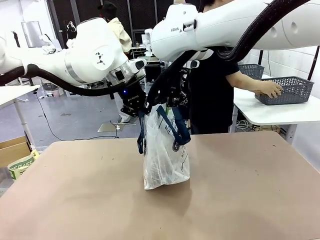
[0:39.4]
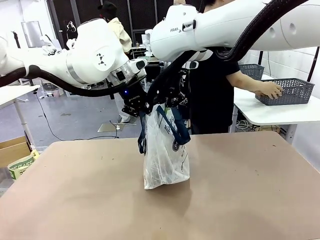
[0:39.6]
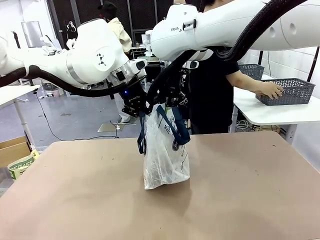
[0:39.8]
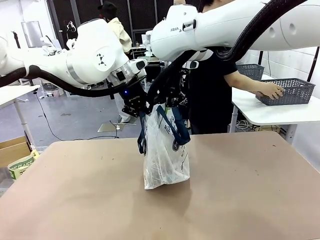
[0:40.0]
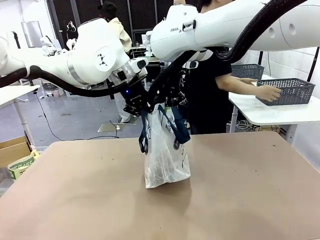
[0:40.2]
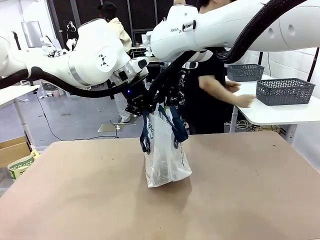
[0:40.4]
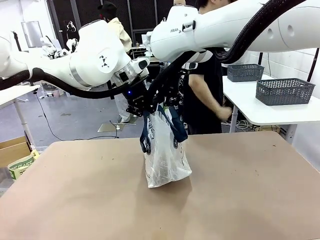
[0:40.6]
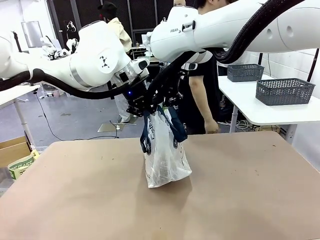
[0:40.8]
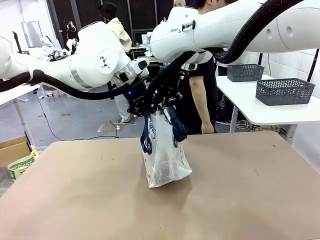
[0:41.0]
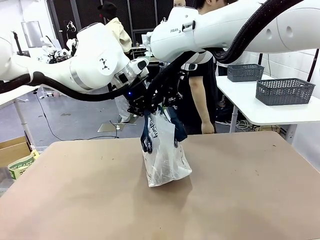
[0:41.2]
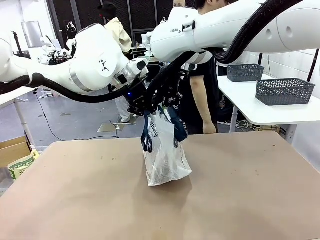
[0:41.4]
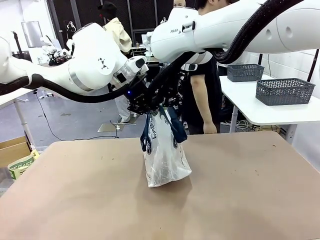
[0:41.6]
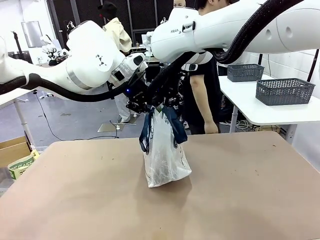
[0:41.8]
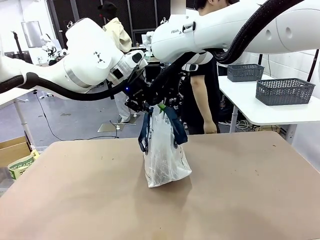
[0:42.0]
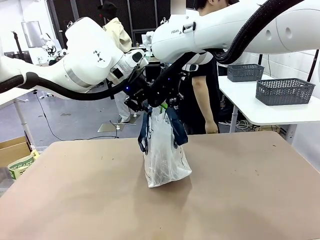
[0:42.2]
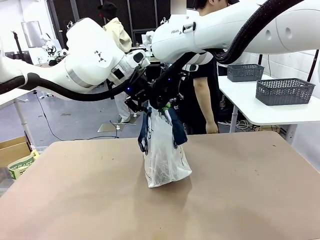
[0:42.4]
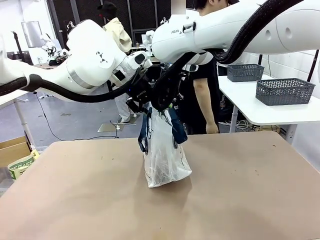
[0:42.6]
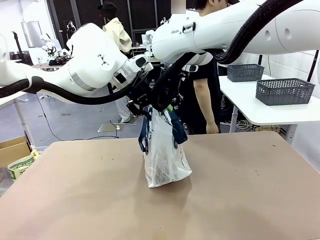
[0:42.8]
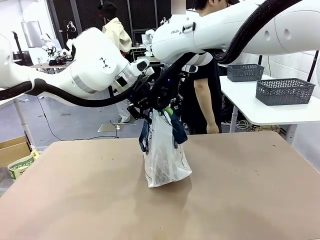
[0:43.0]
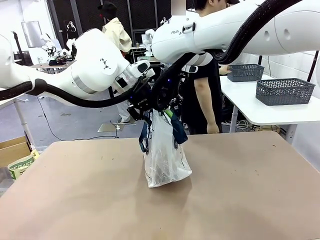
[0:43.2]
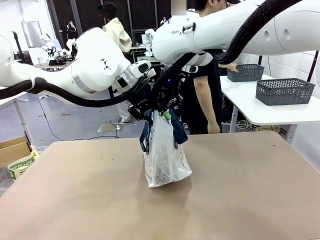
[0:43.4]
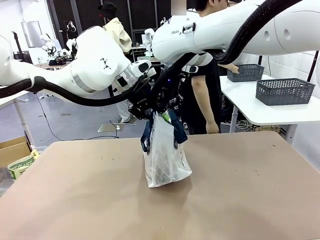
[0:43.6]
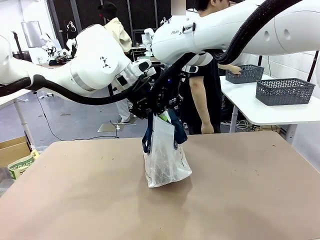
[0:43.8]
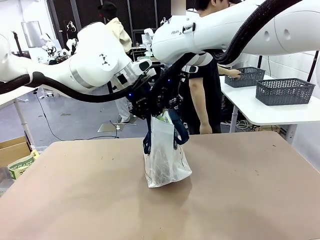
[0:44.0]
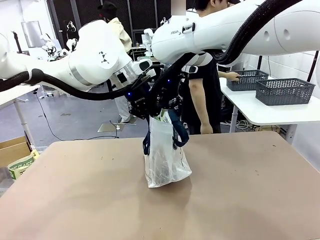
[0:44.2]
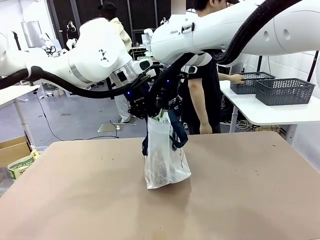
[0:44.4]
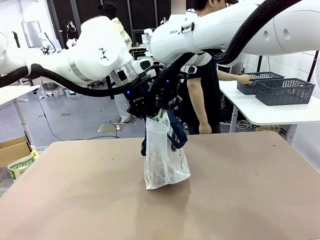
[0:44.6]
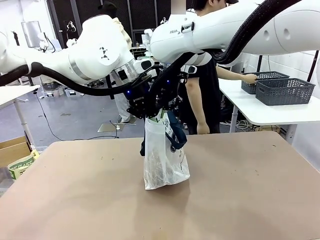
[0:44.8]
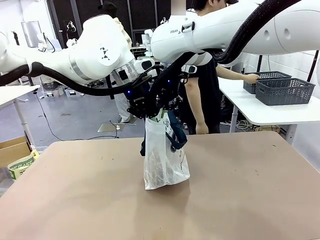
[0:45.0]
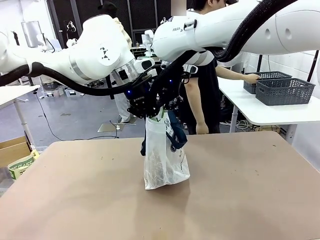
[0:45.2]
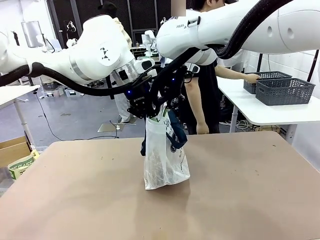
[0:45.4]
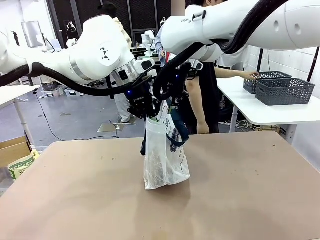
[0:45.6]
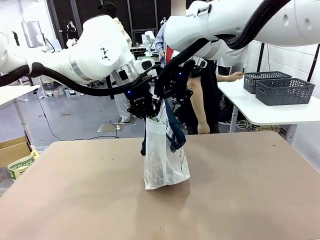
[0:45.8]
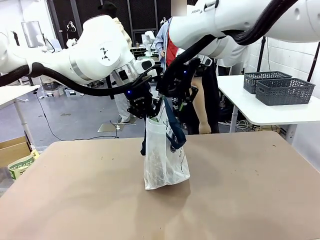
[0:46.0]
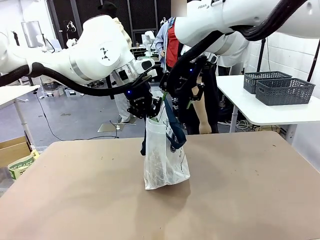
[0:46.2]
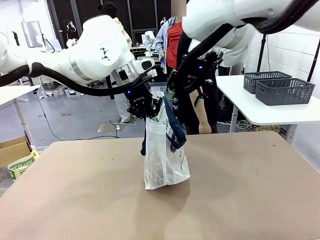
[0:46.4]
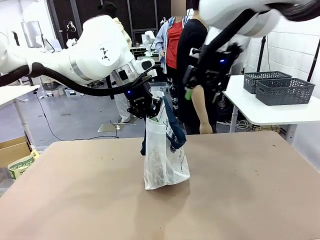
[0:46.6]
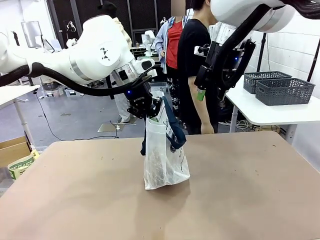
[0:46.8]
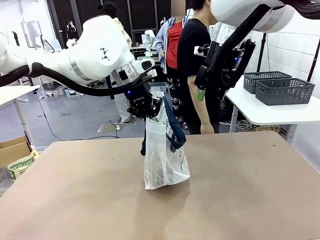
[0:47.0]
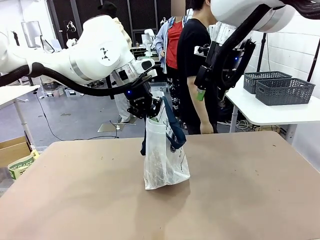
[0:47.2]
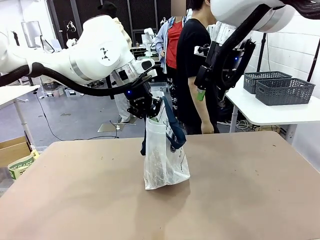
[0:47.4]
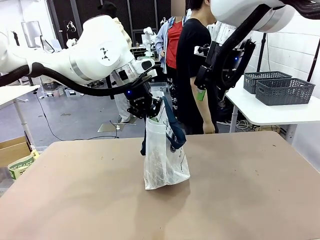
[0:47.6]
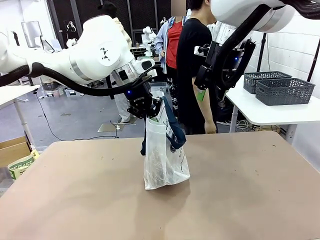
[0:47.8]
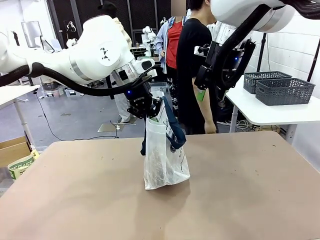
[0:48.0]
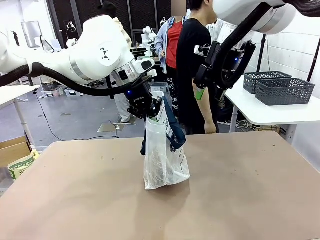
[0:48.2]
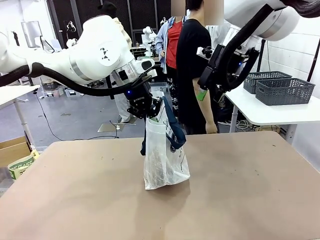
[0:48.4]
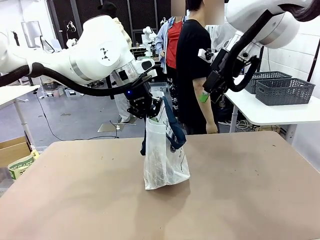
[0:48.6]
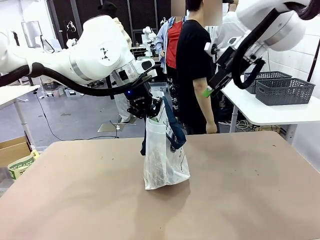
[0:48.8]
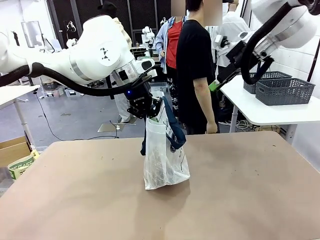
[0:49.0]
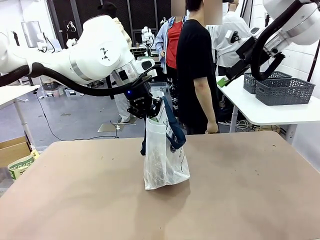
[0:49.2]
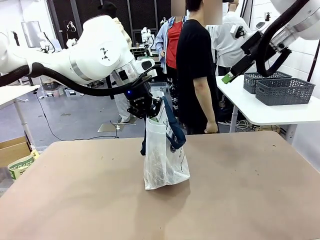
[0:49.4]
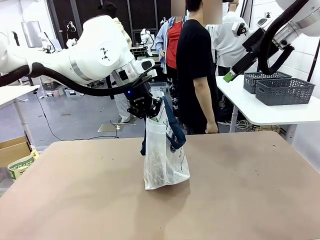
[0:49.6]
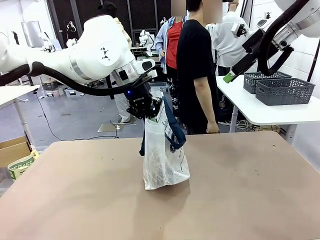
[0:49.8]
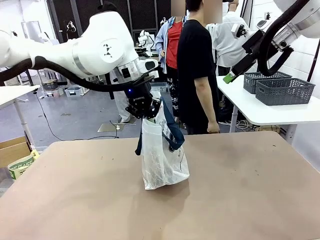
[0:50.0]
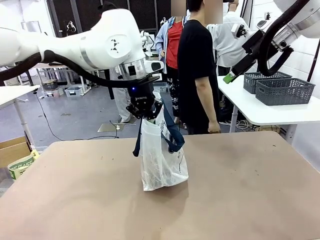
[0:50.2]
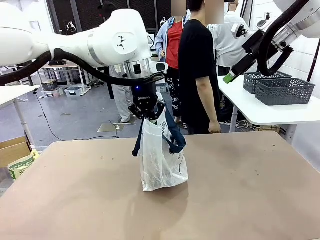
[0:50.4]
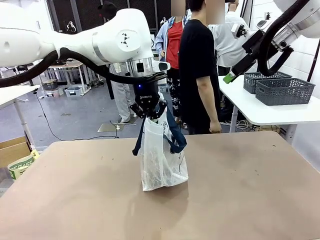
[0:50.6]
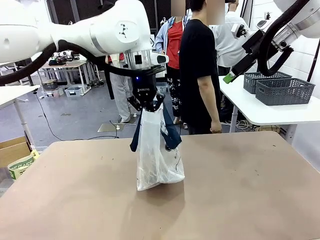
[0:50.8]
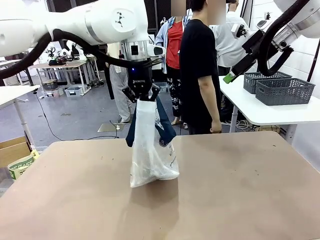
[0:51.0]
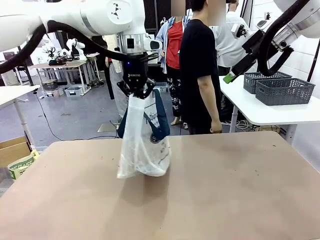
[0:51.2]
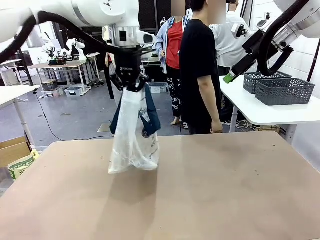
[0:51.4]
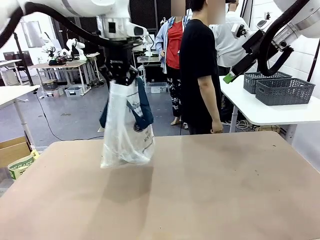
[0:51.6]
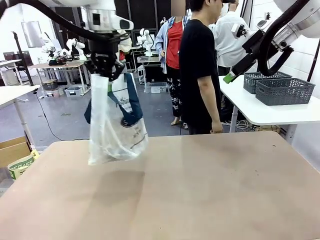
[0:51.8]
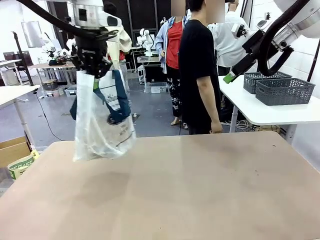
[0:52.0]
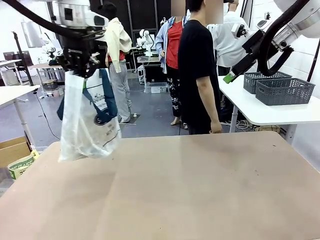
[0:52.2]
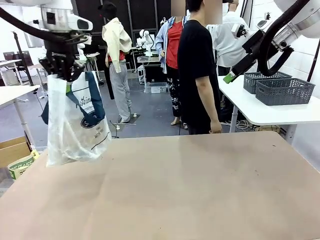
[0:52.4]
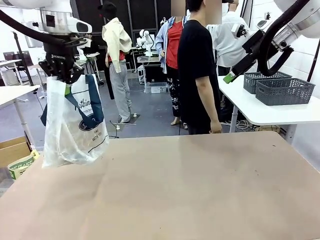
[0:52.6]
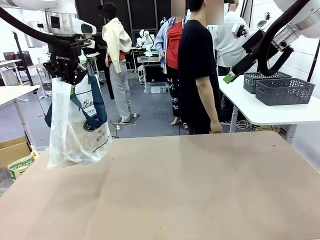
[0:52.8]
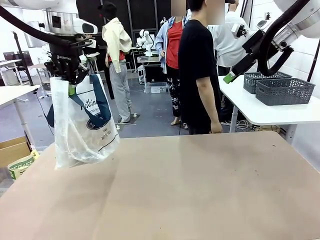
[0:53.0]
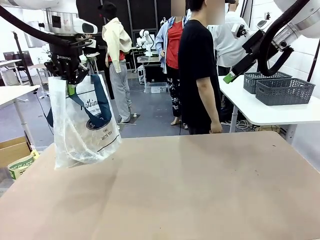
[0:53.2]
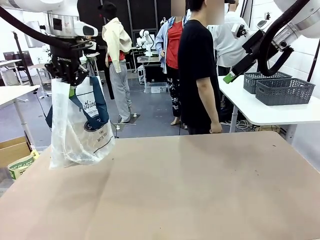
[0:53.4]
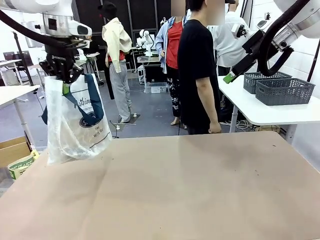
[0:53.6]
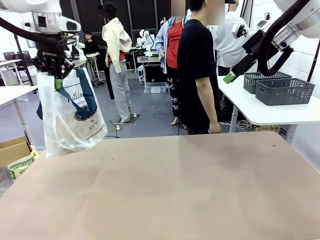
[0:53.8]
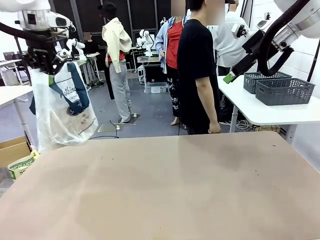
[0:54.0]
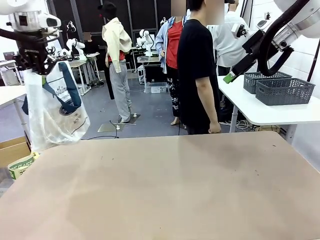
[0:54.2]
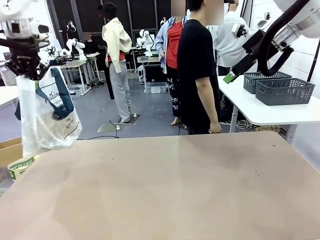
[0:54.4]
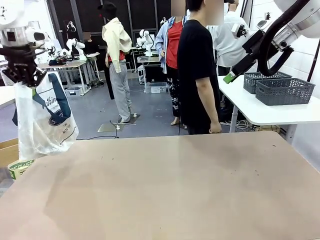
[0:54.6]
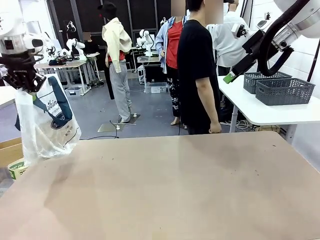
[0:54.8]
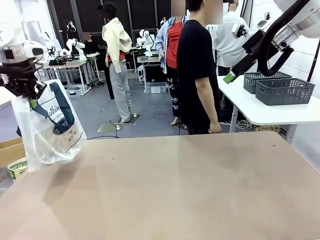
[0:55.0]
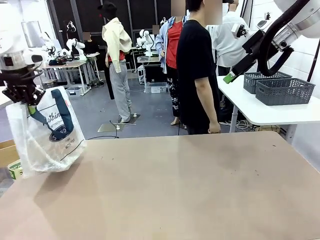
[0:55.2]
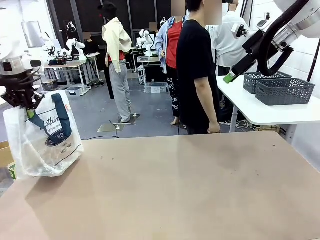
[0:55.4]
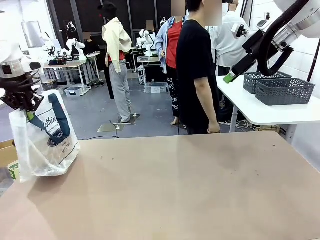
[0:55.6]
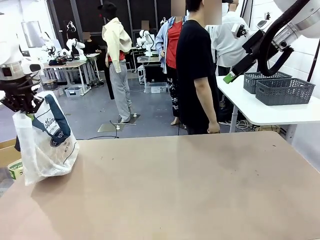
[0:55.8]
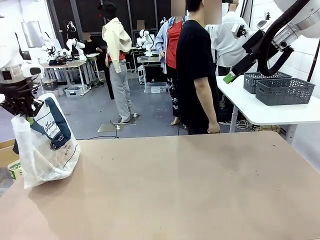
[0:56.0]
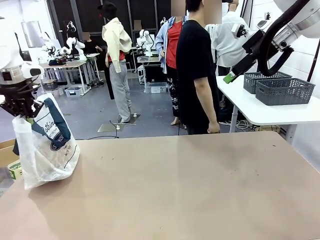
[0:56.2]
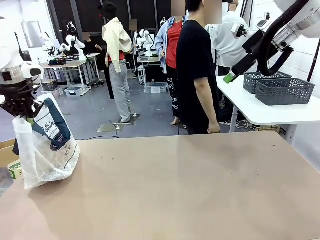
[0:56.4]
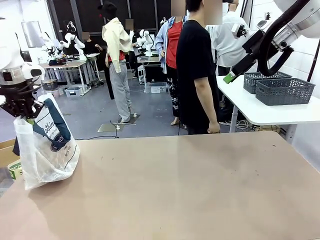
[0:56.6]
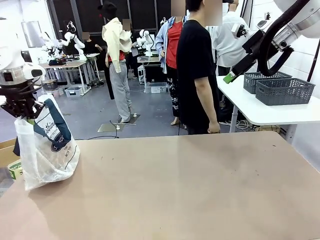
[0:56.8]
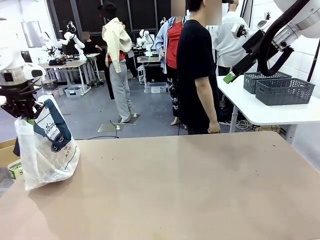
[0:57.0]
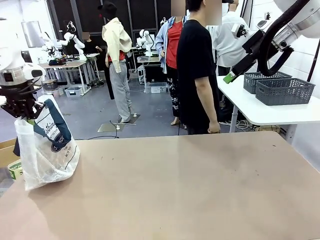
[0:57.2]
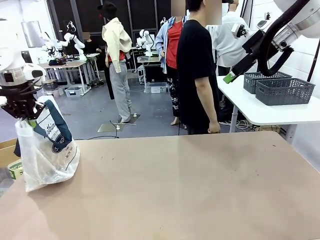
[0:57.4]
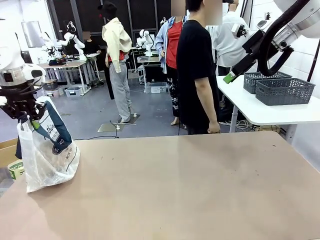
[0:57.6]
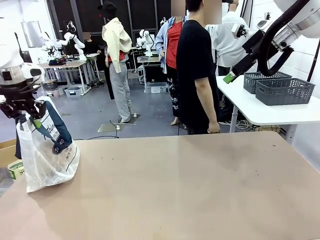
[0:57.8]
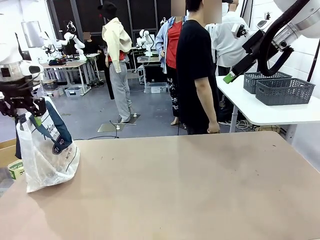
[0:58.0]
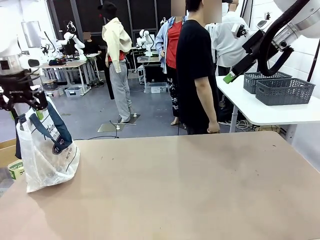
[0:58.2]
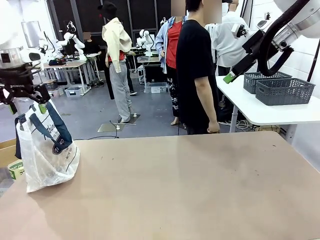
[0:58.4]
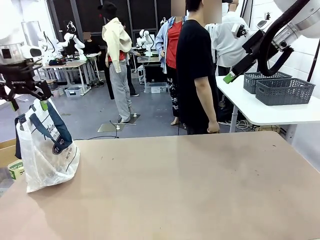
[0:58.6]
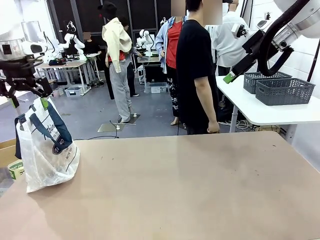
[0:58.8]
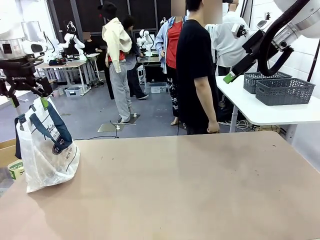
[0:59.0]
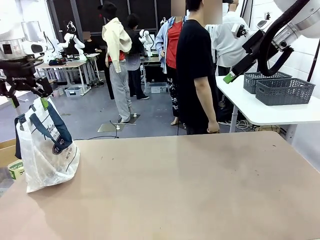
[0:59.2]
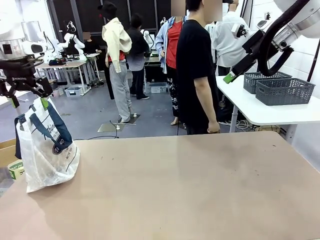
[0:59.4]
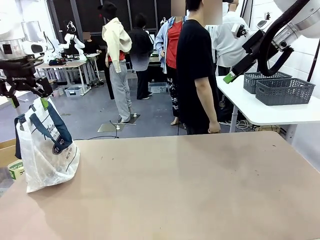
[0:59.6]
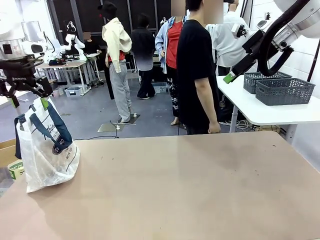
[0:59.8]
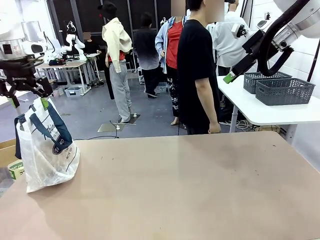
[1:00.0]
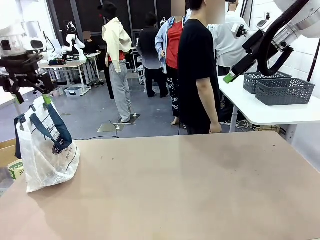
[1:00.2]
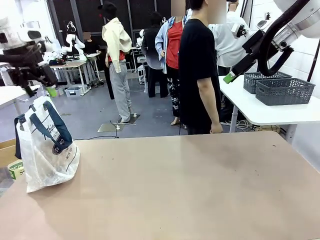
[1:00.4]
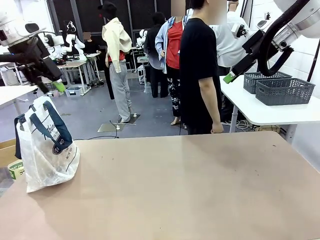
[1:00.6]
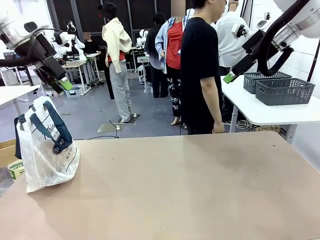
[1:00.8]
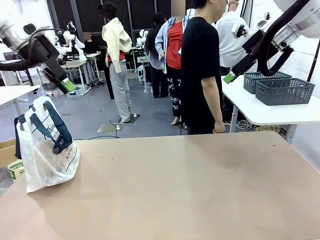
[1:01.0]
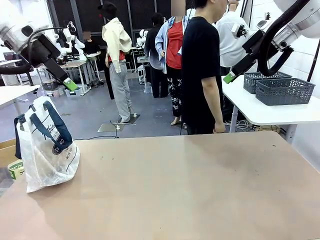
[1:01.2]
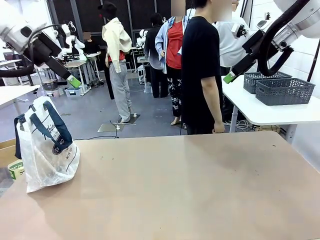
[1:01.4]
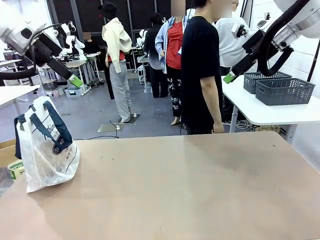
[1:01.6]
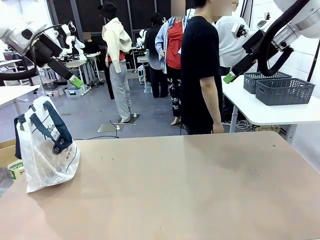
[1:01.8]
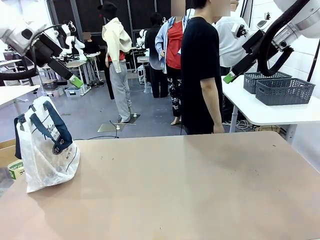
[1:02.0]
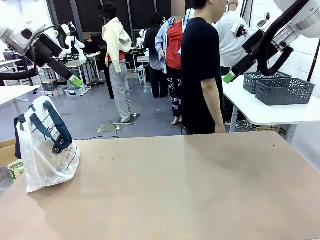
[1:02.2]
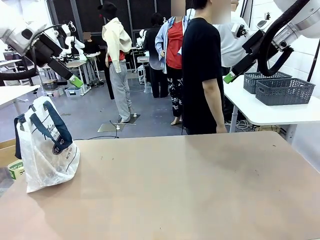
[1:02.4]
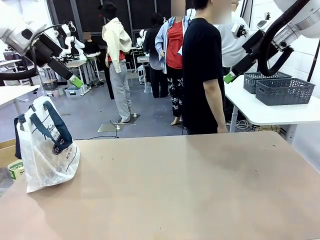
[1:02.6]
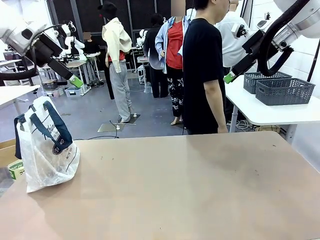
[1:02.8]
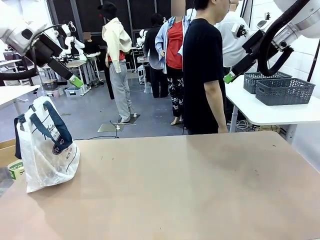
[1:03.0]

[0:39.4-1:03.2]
Task: Transfer purchased items from the store into the shopping bag.
Robot: Move the Reusable shopping bag to the right side of the table.
Person: Move the basket on the left to the middle of the person's table.
